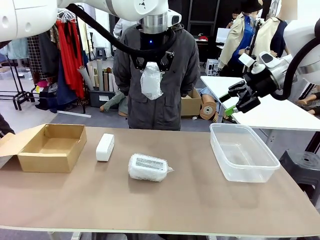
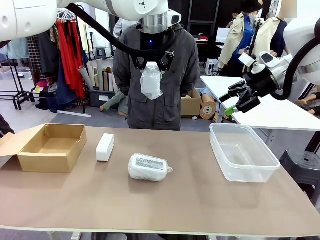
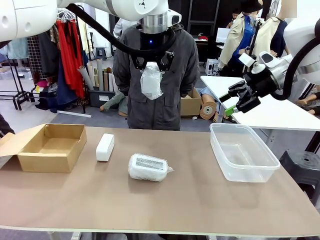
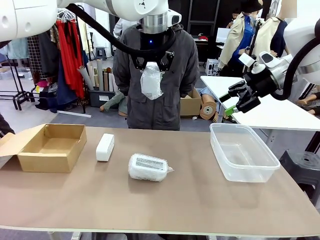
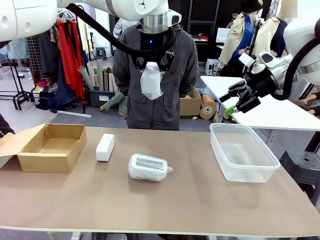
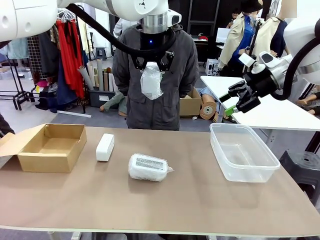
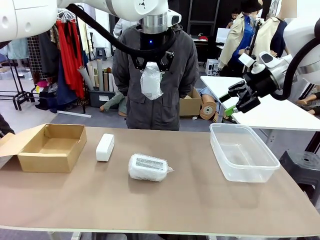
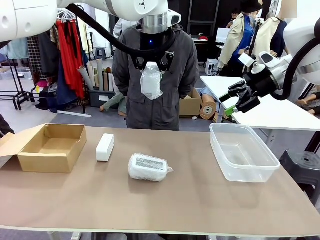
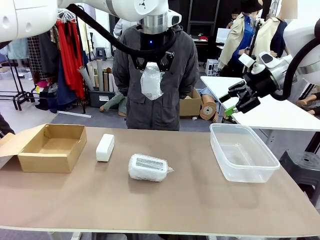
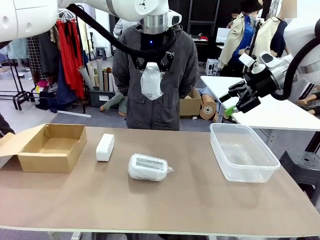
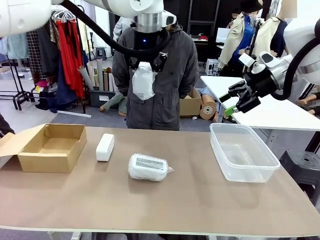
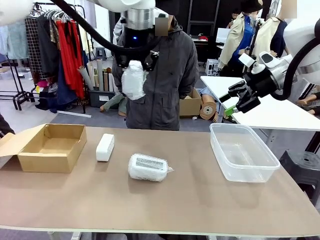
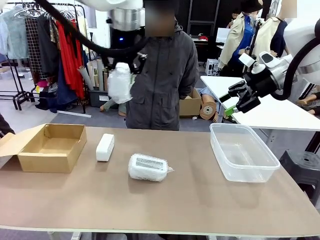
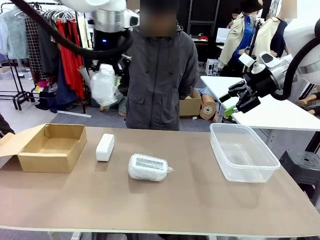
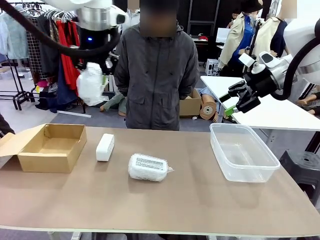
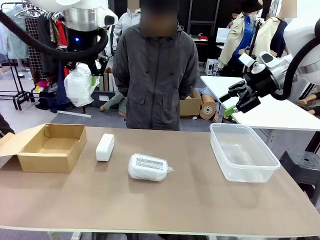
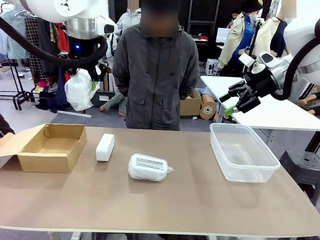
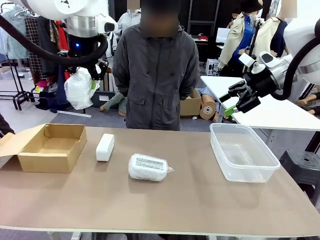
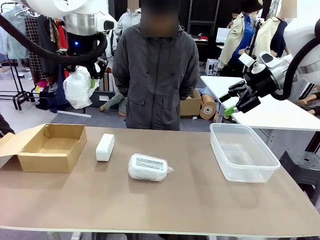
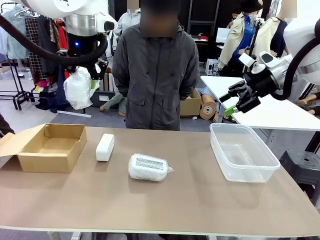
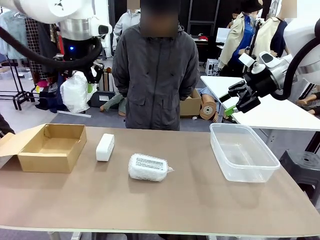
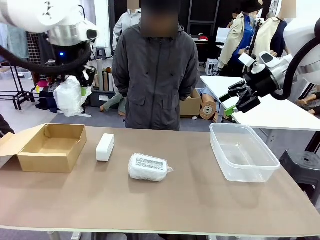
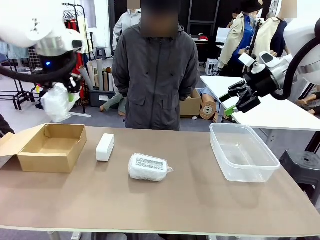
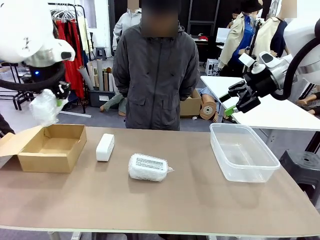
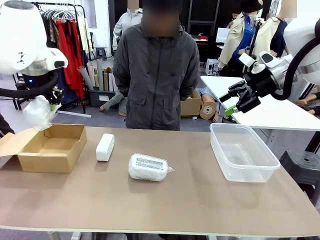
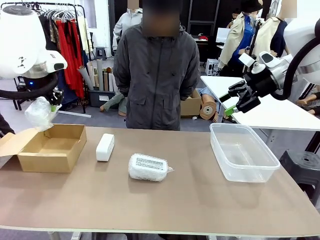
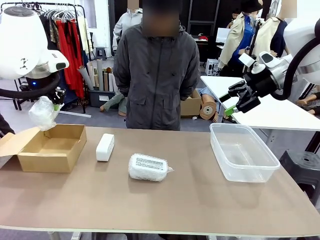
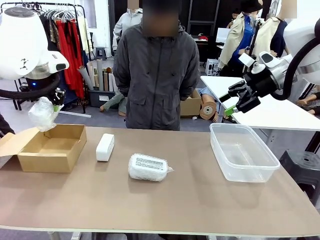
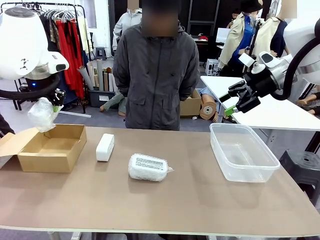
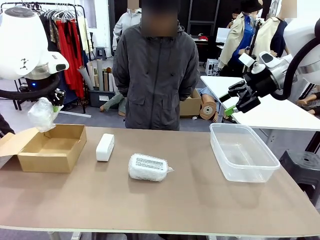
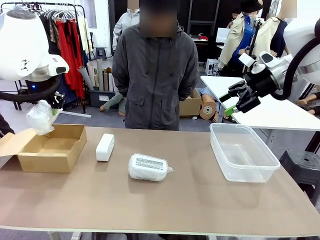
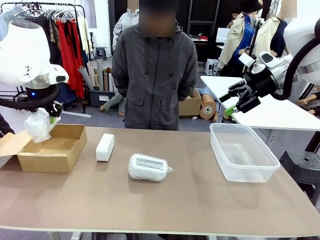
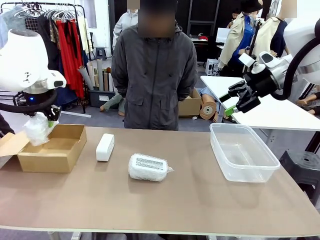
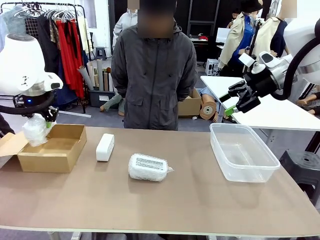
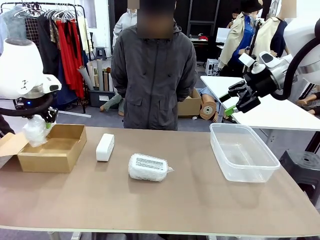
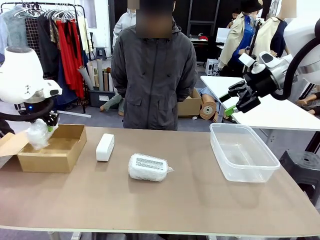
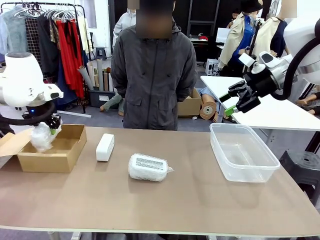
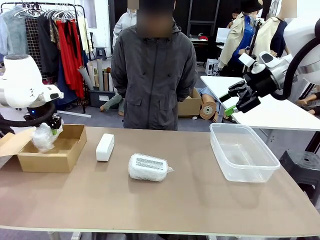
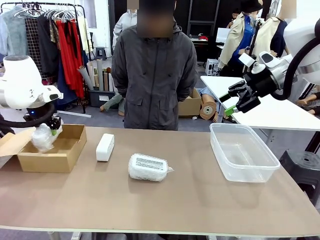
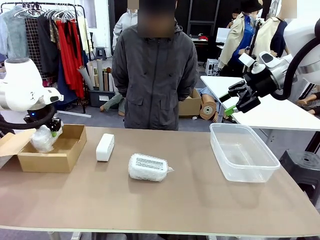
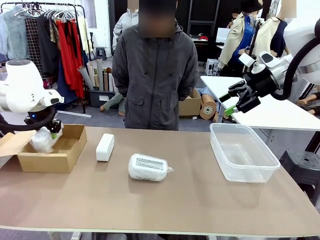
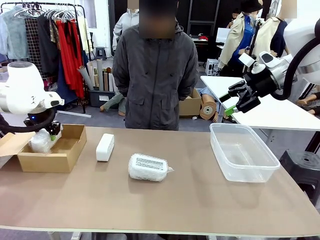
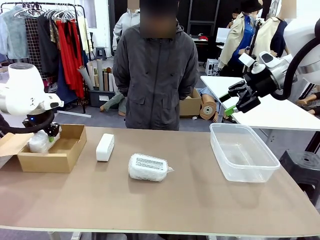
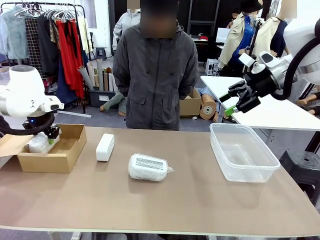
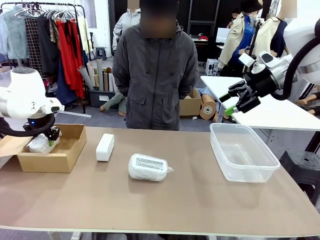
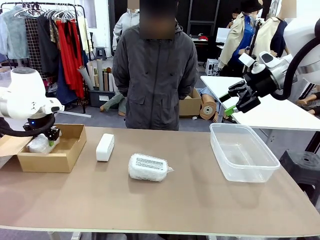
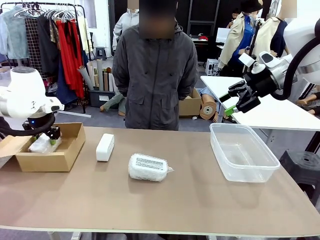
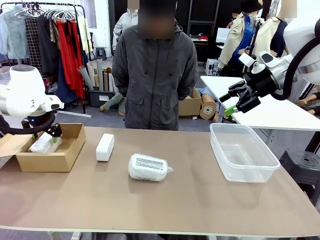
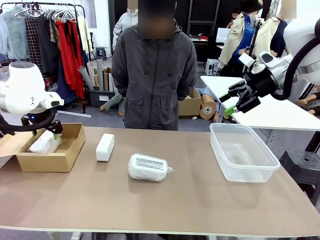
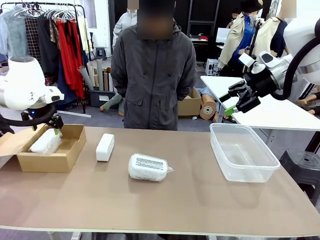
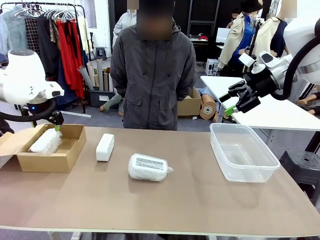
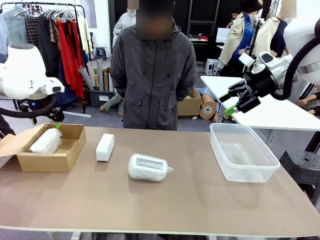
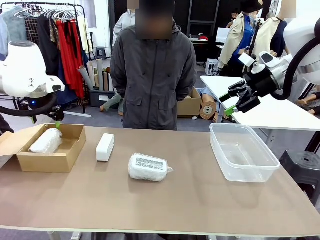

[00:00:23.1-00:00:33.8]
Task: Separate and place wrapped and unwrapped clocks.
Robot: If the picked Digital clock is wrapped, place it in the Package Box ; if not, place it in the Organizing box.

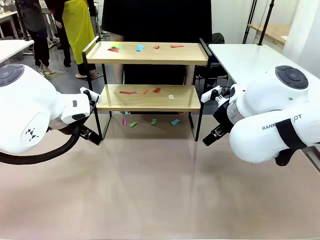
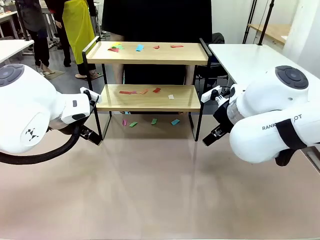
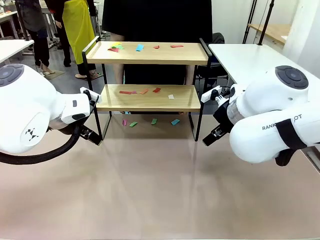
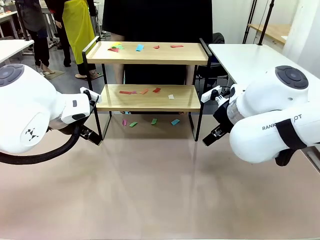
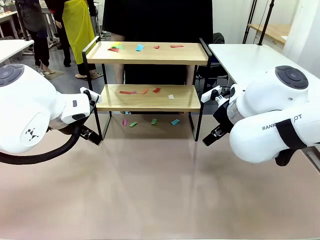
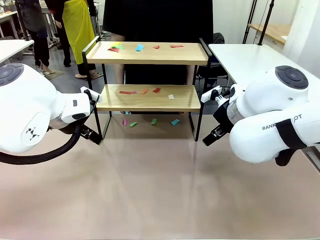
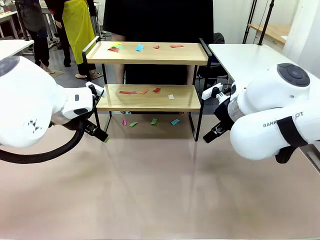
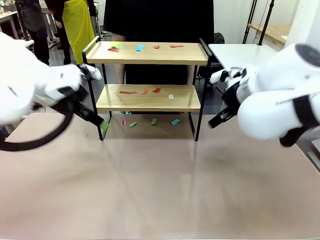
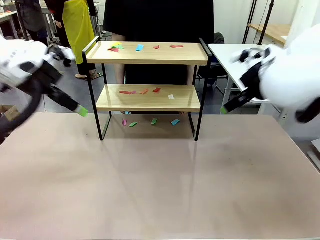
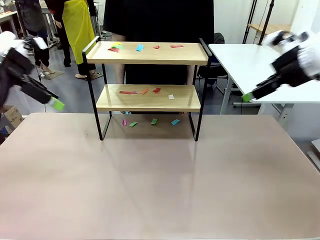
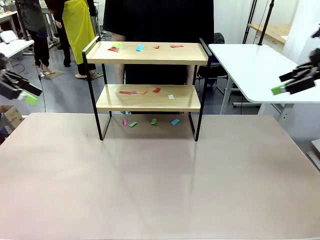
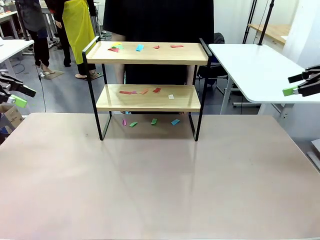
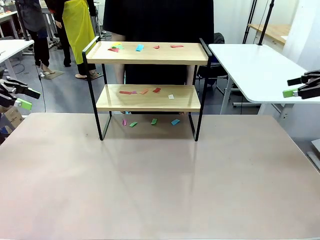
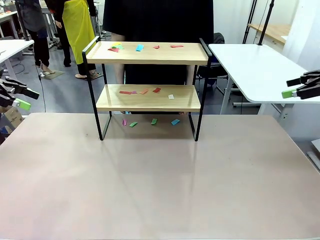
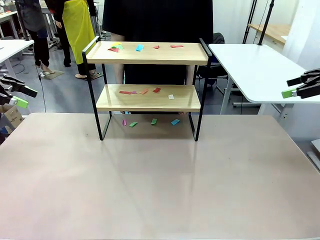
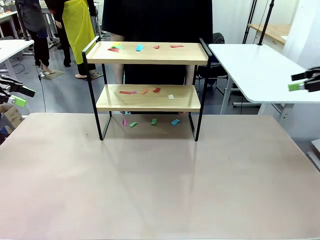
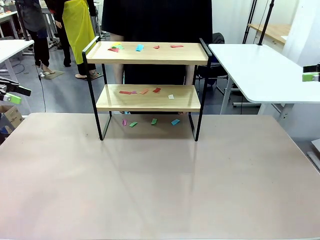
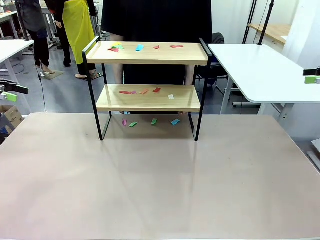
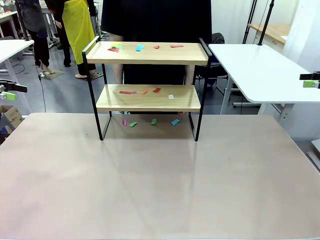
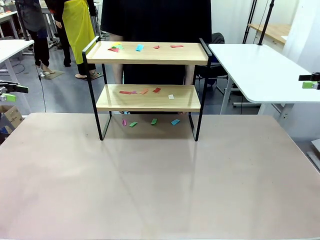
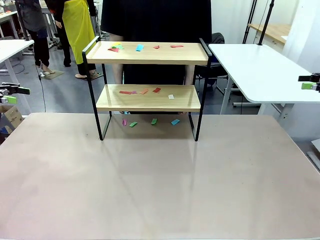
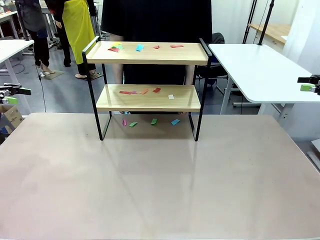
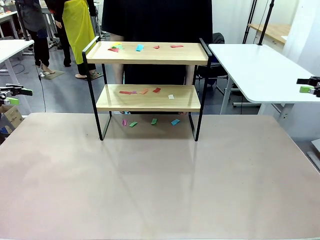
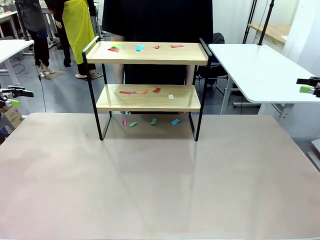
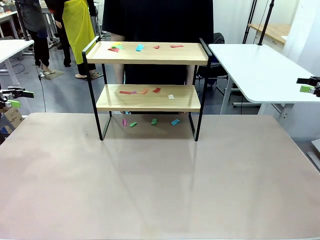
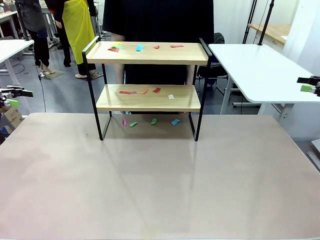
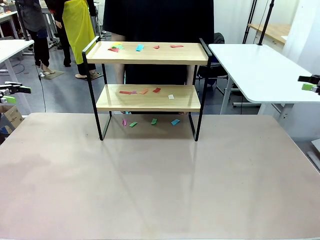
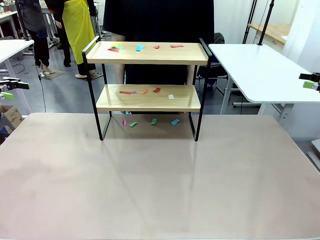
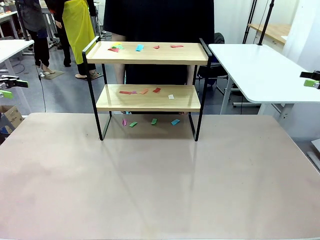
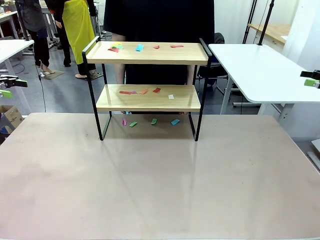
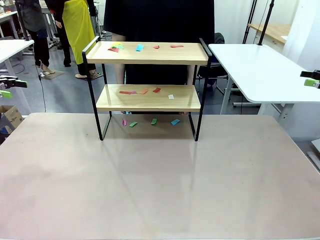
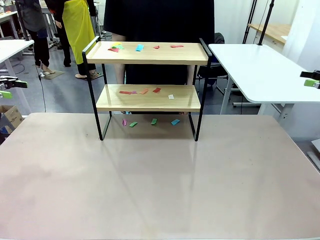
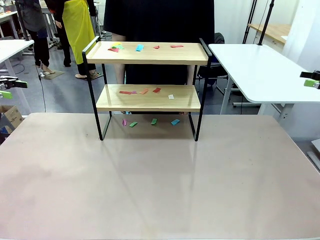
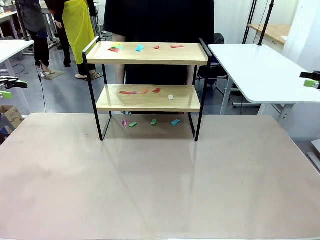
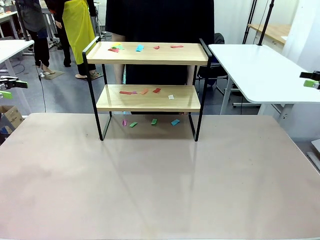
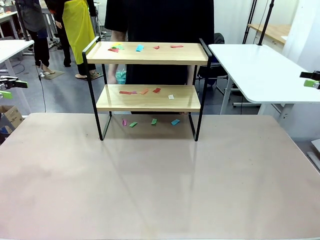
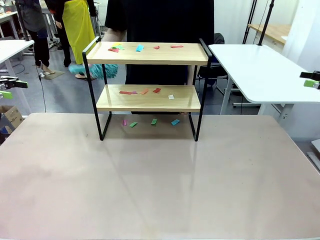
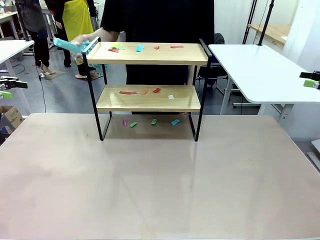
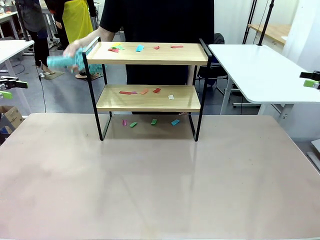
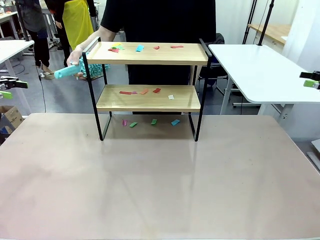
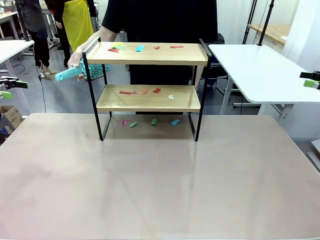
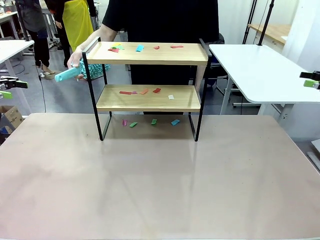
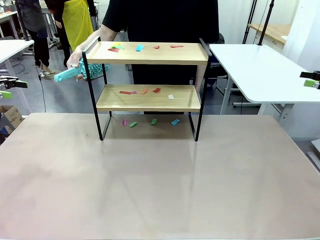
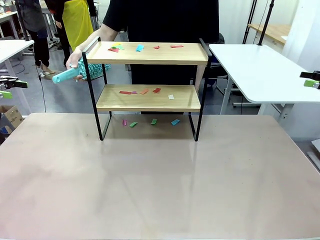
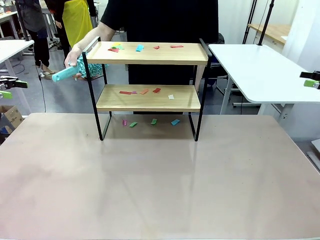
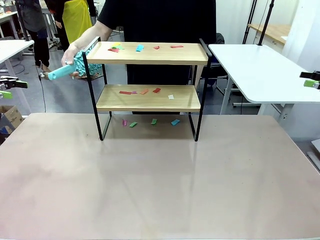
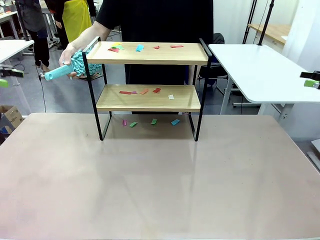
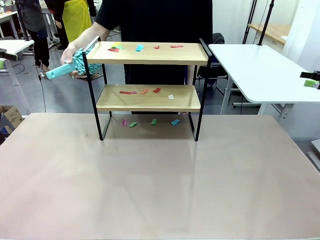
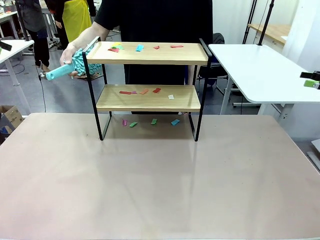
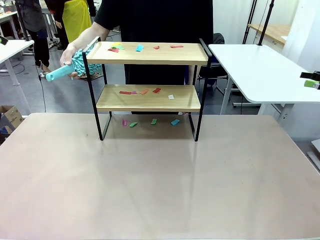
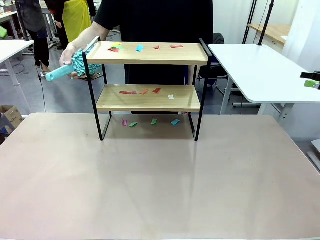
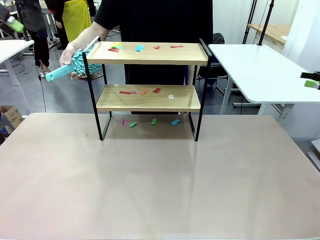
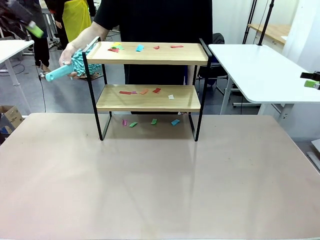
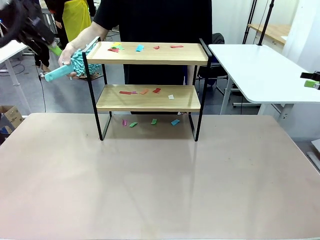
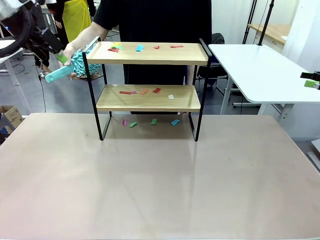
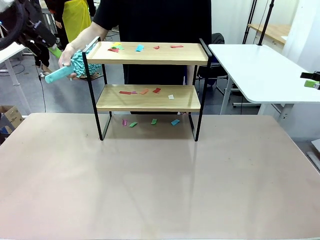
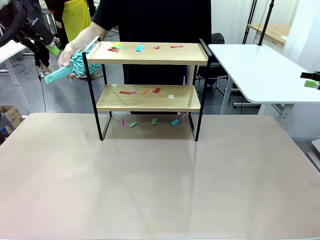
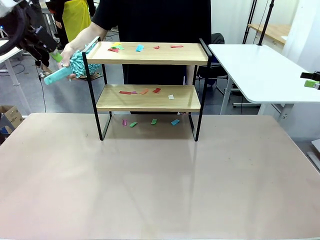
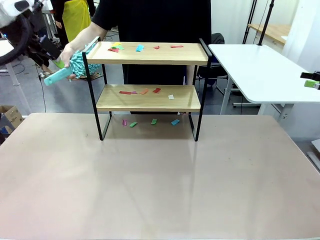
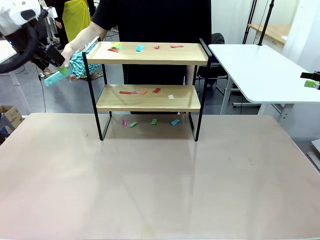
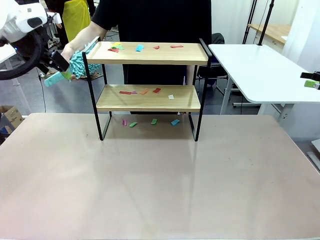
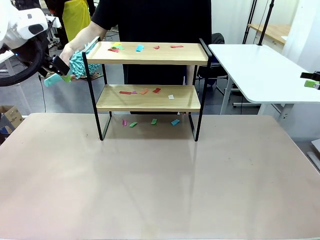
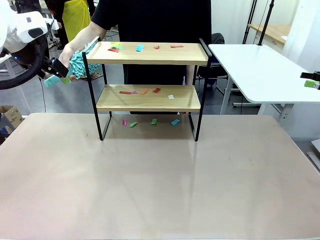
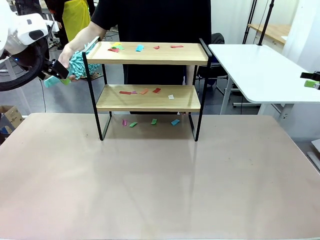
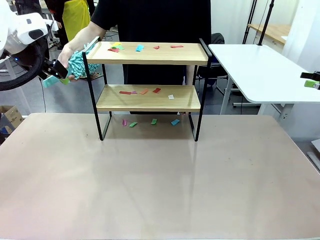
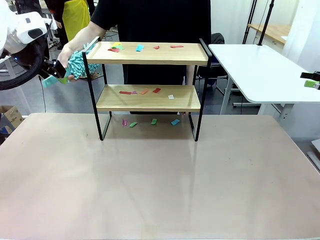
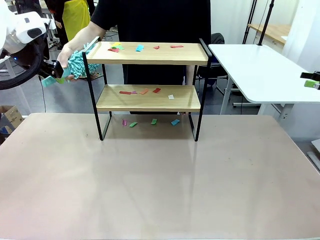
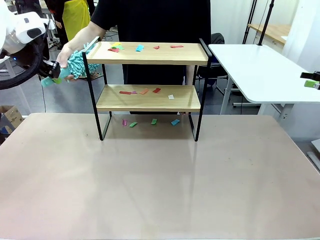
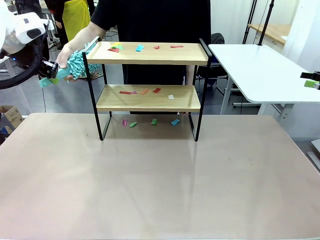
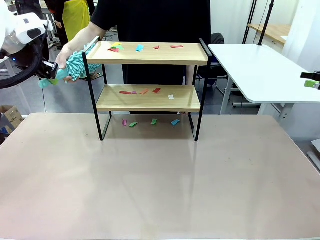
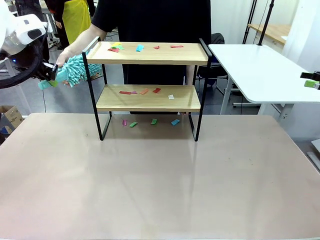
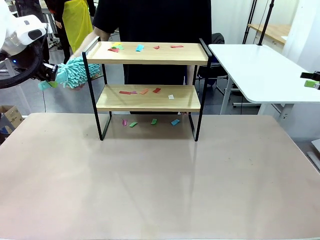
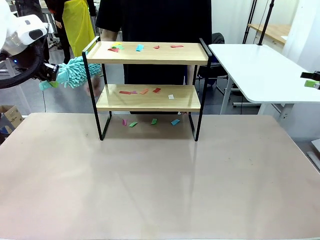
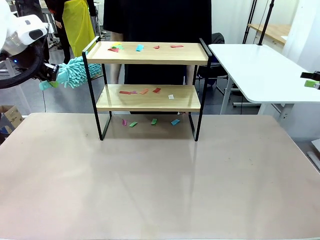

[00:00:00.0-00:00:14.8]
Task: Clean the shelf.
Robot: Pick up the Duster handed by the human.
Person: Hand the Duster to the robot.
